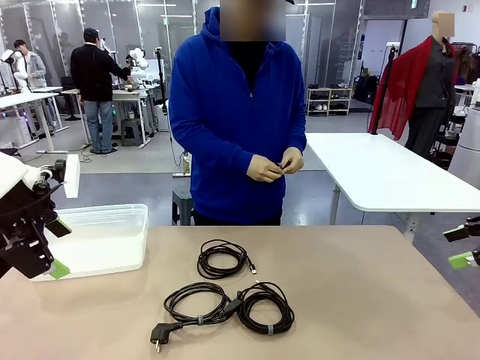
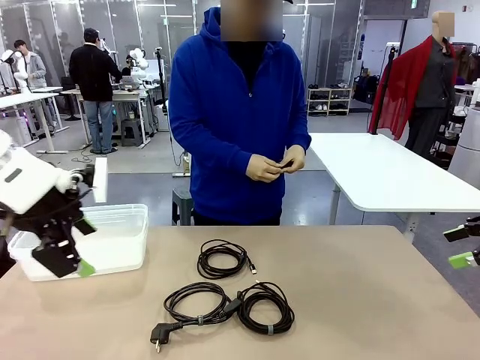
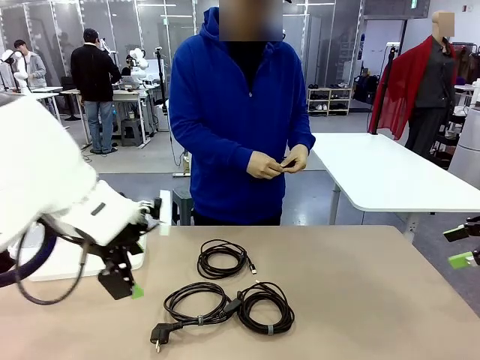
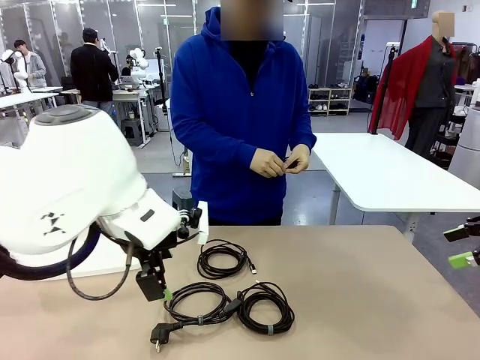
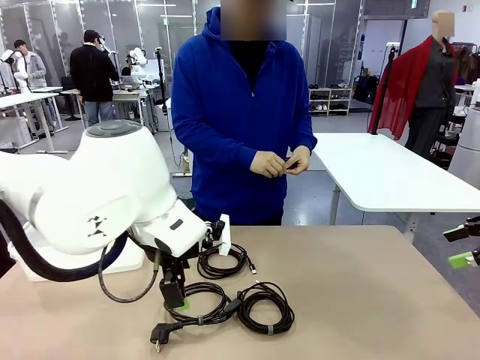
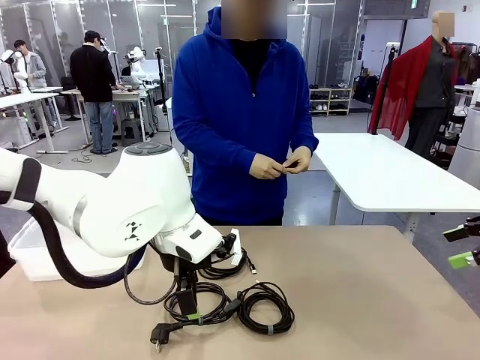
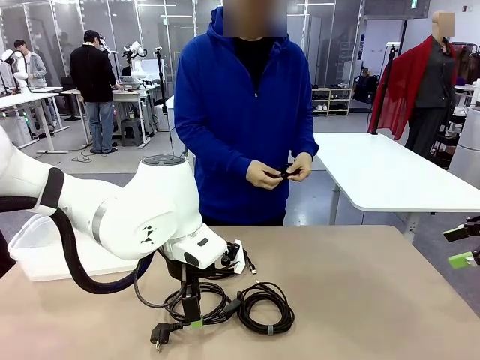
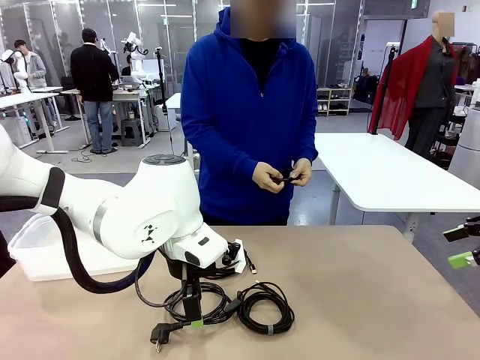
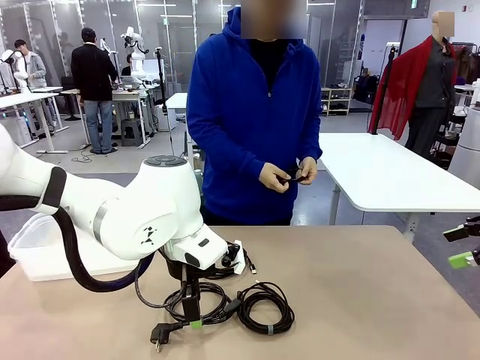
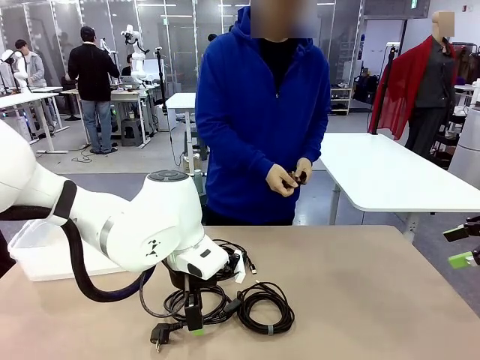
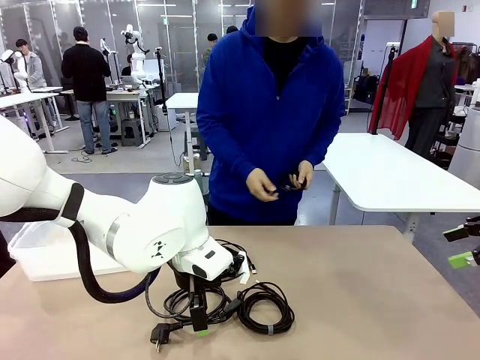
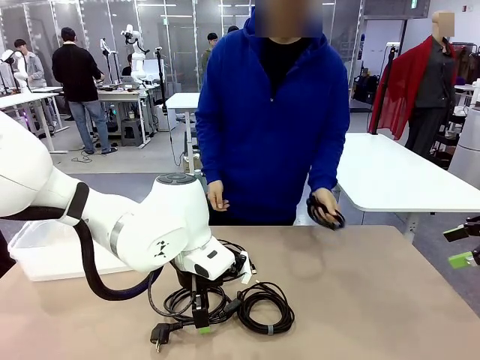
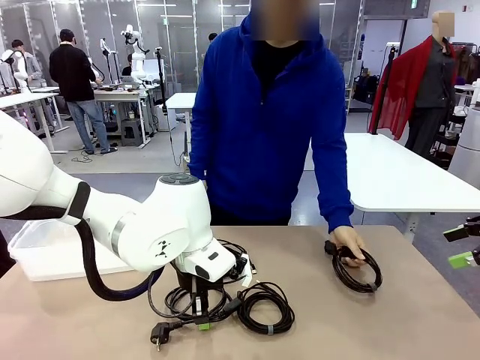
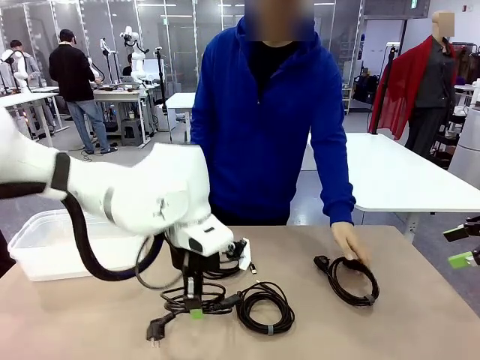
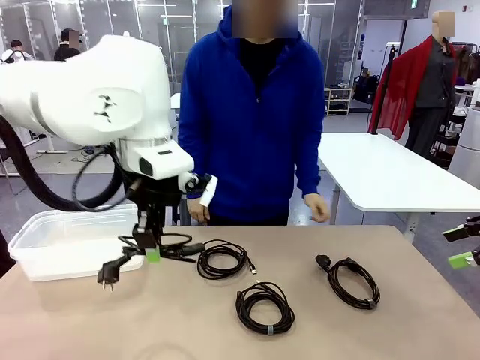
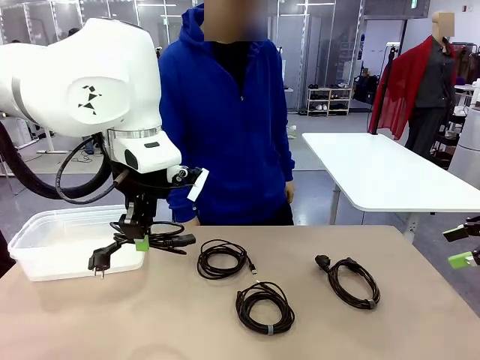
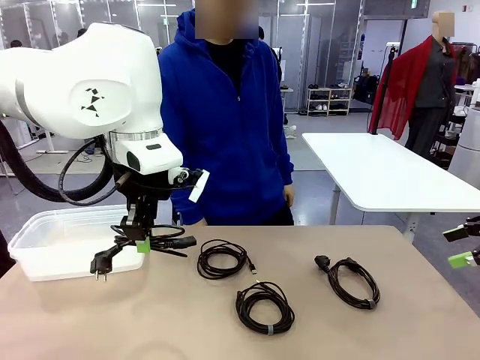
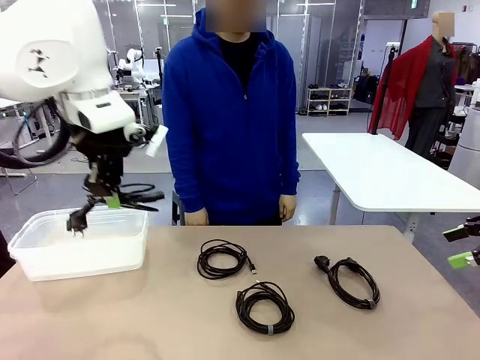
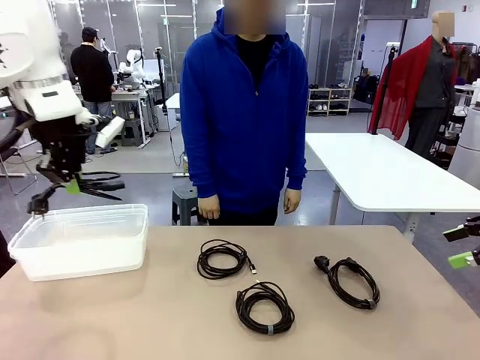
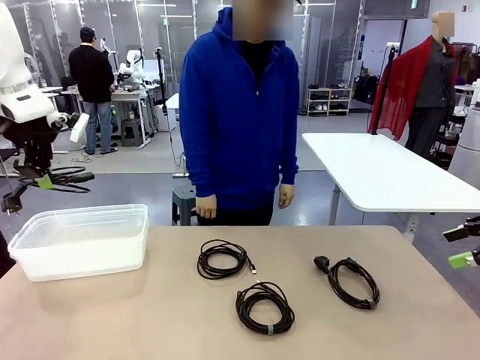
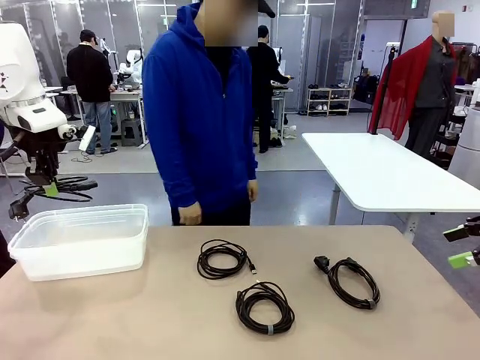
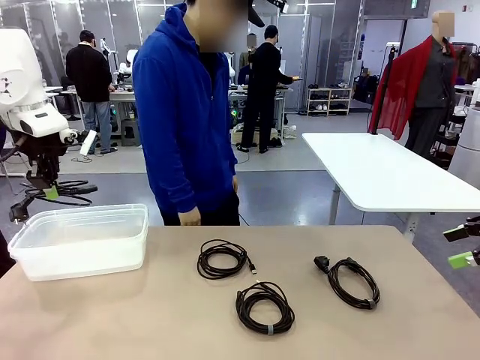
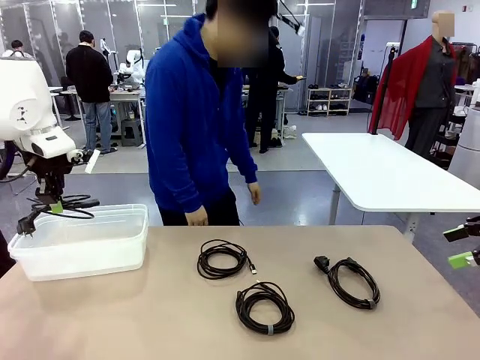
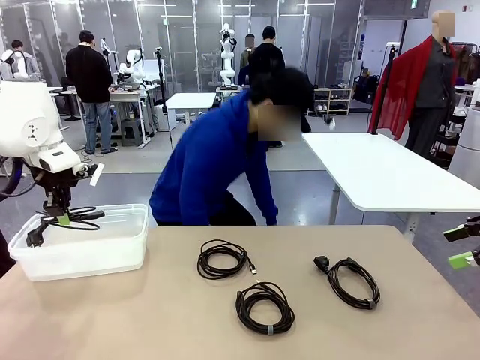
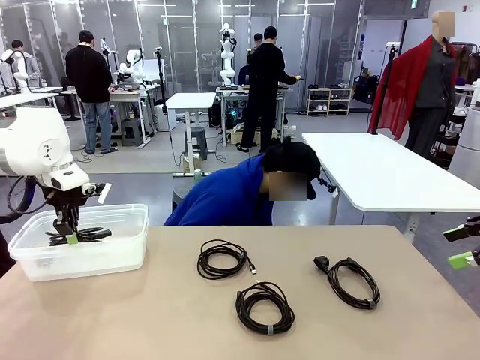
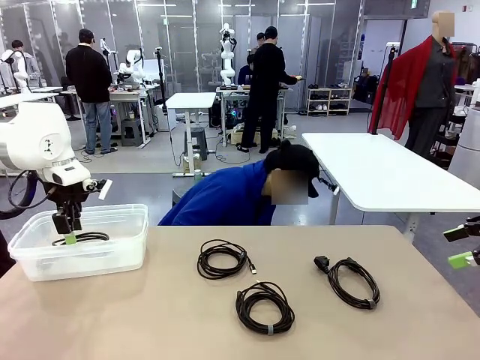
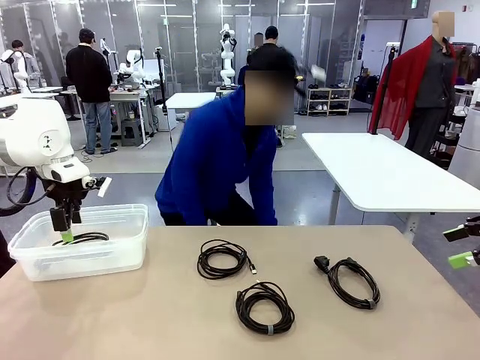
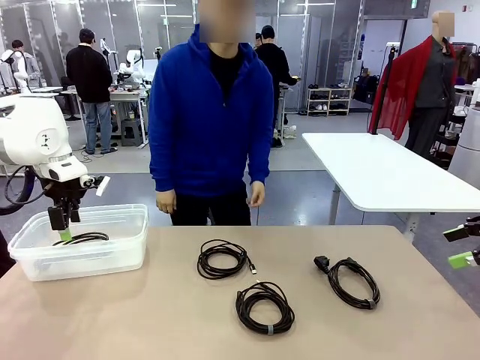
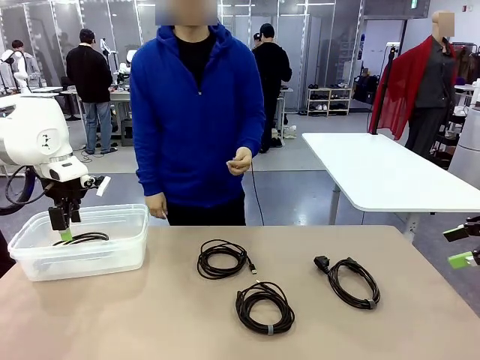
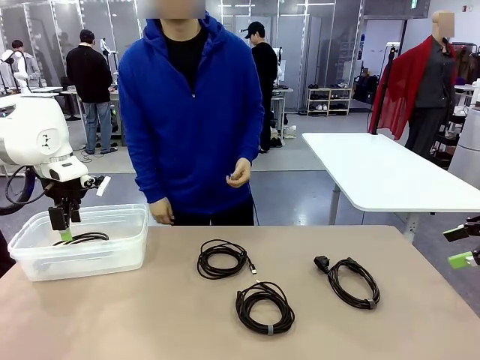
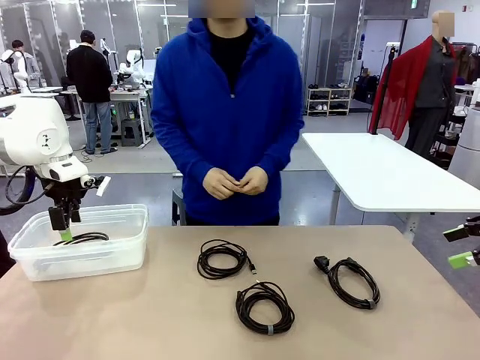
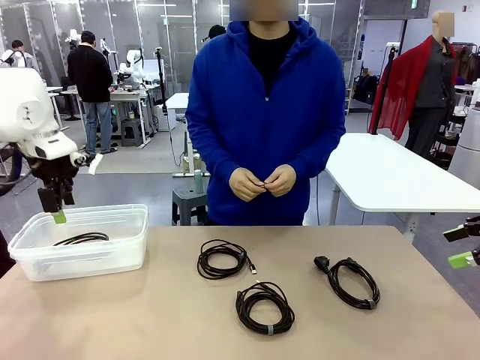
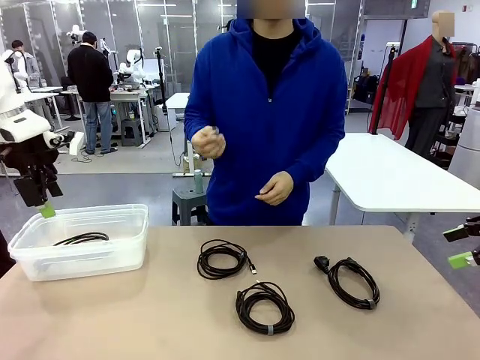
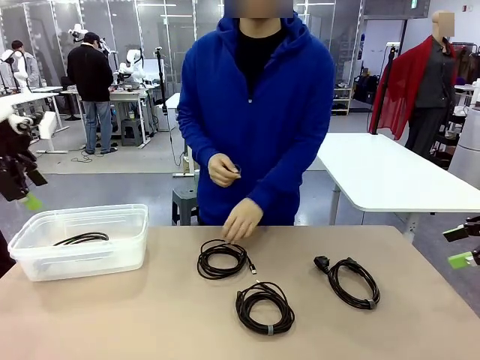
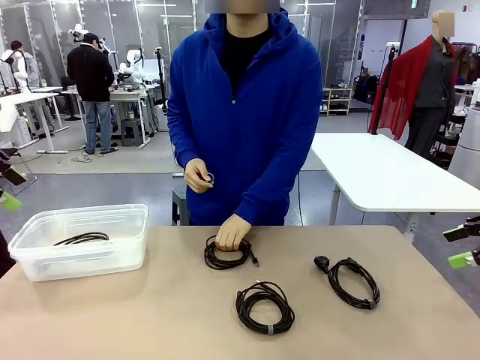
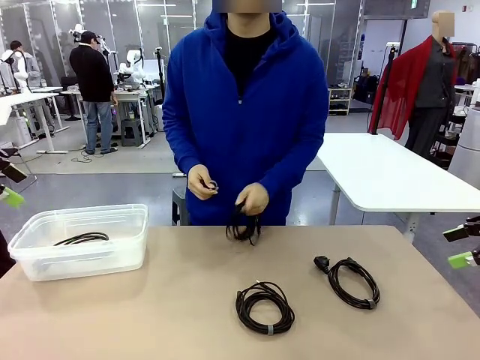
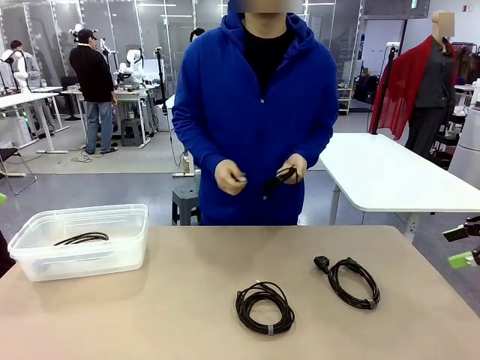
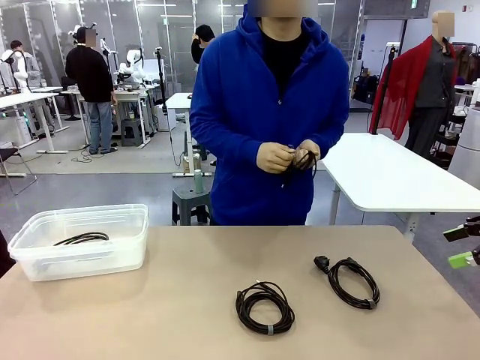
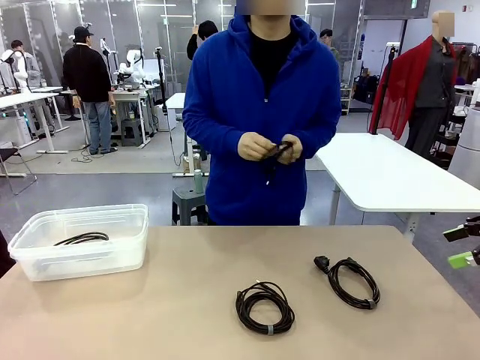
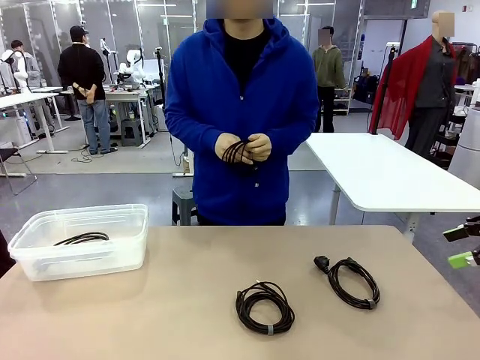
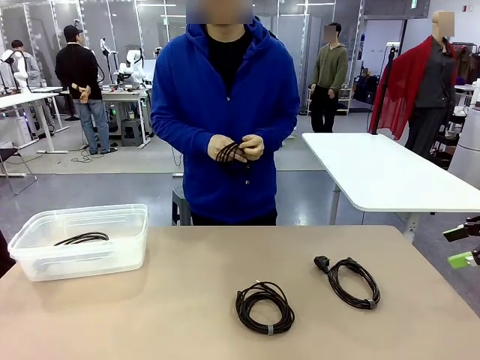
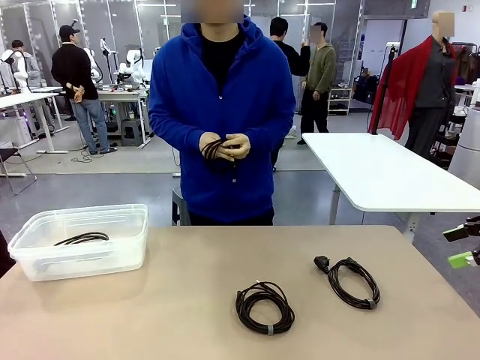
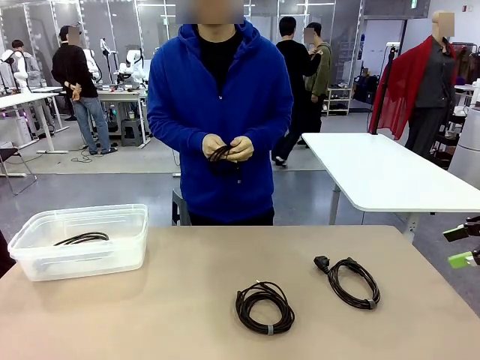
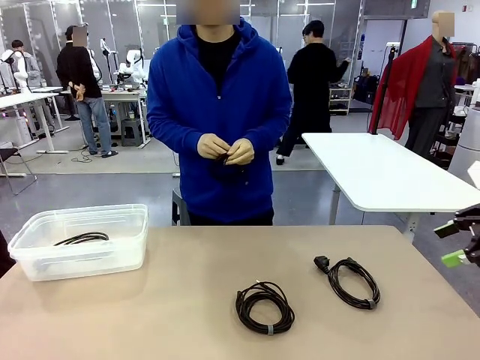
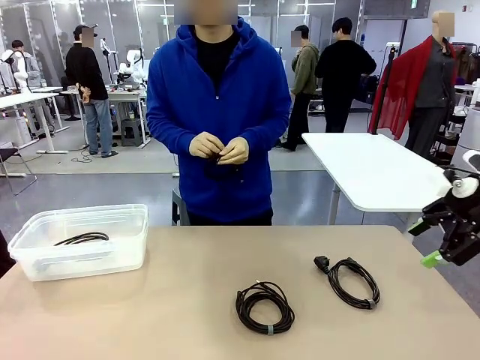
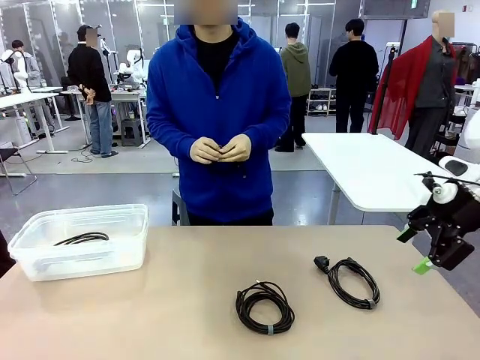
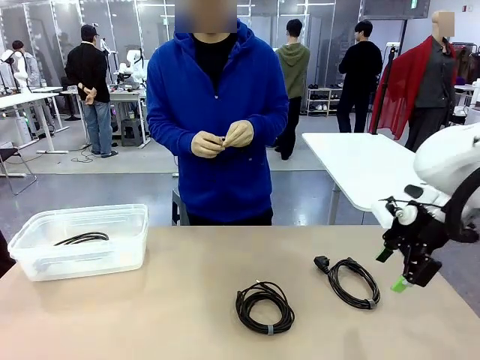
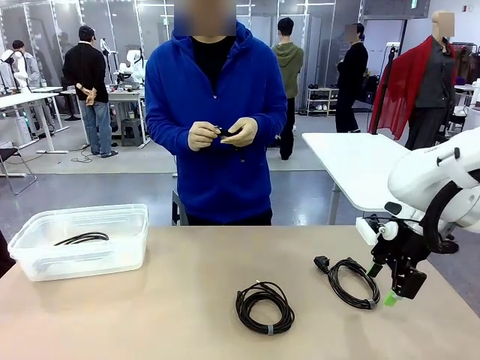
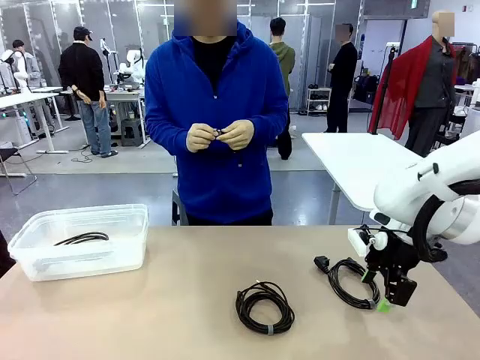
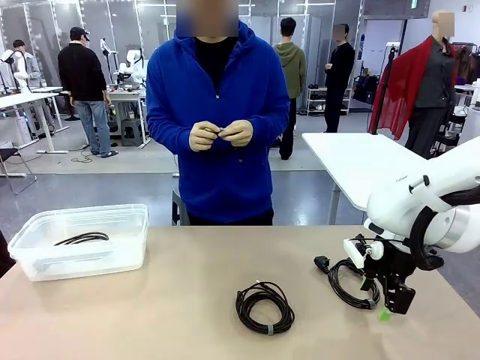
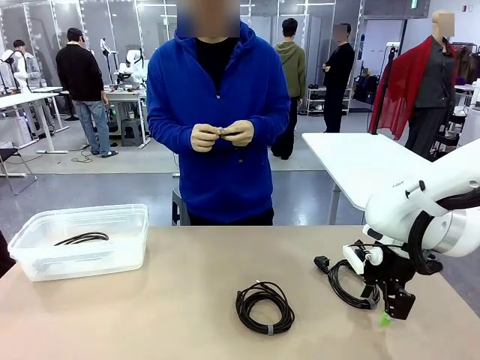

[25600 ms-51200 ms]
Task: Organize and store the cables.
Robot: Place the Power Cable into the Organizing box.
